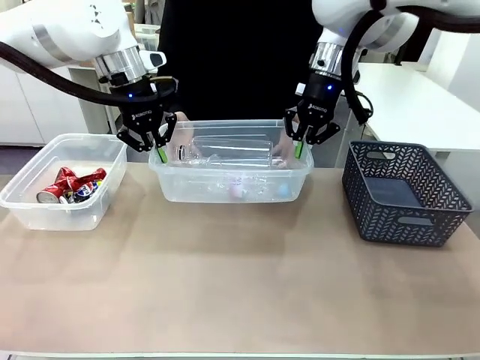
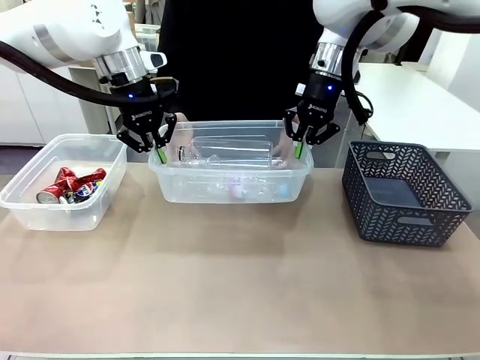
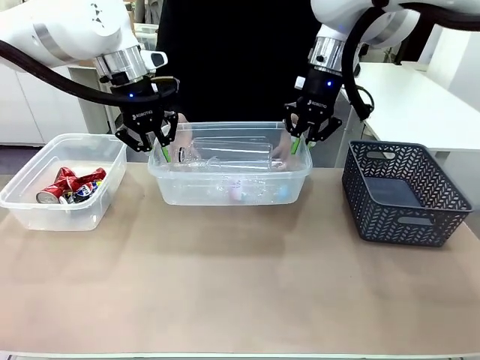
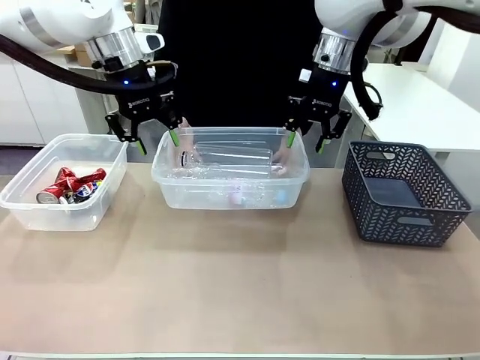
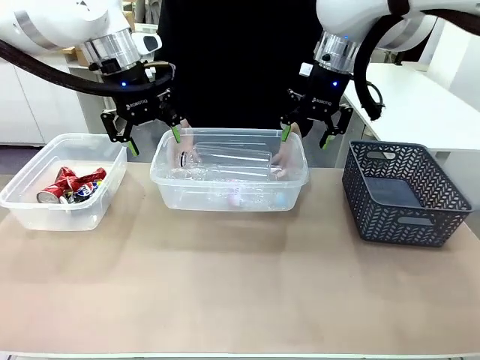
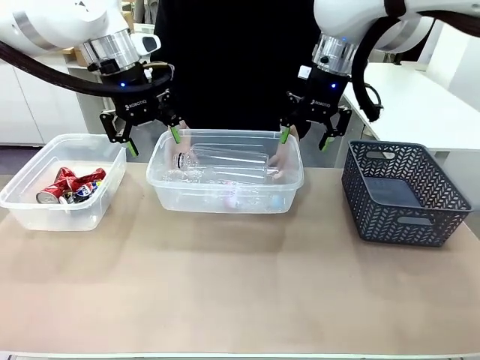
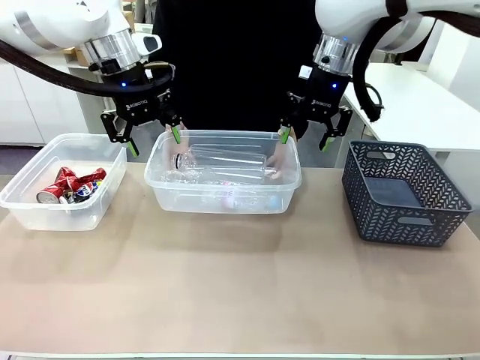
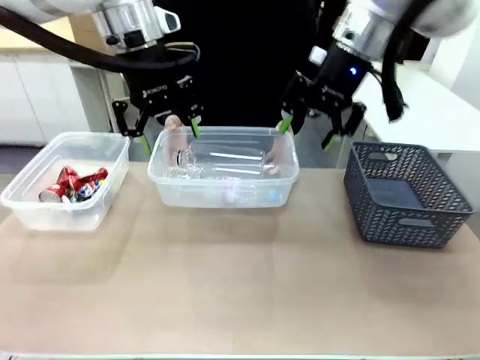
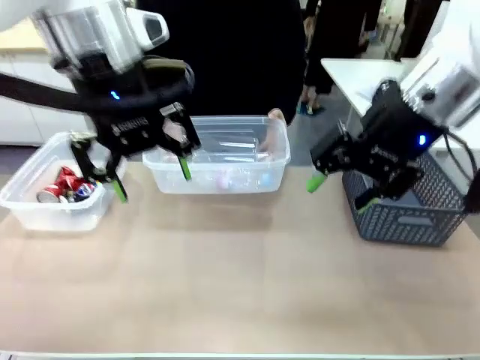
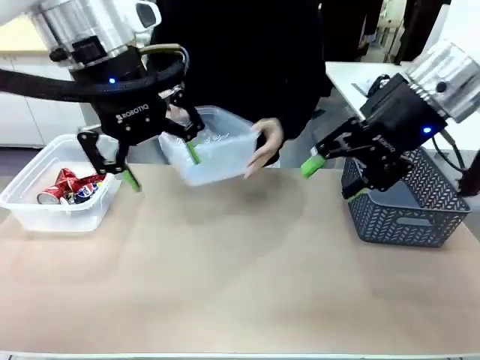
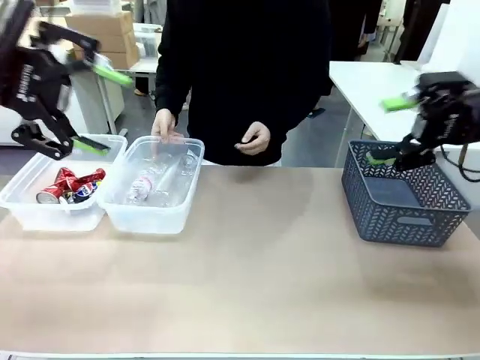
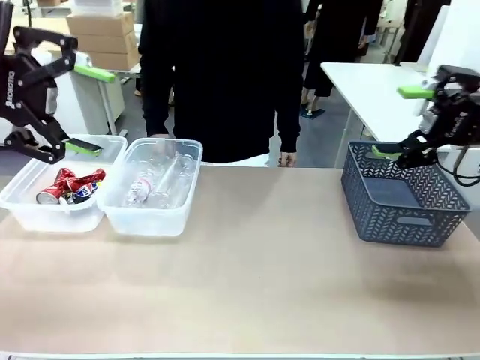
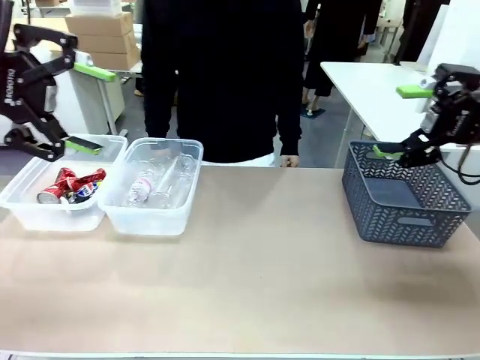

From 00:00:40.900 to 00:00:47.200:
Robot: Release the Organizing box you were holding.
Person: Pick up the organizing box extended by the robot. Place the organizing box to the left of the sorting box containing the can waste.

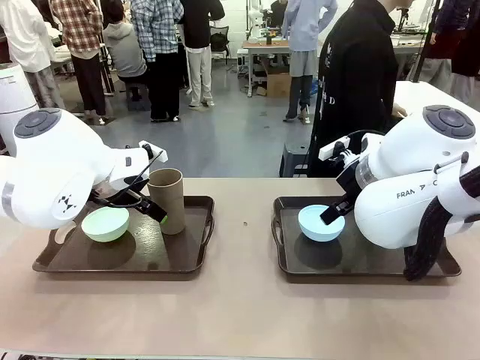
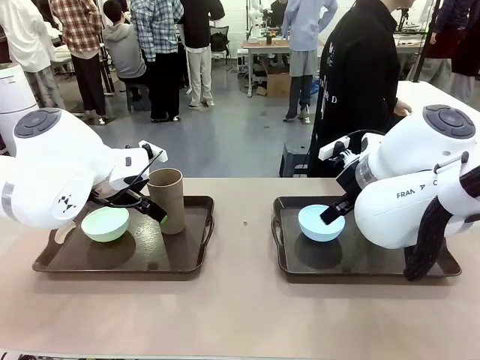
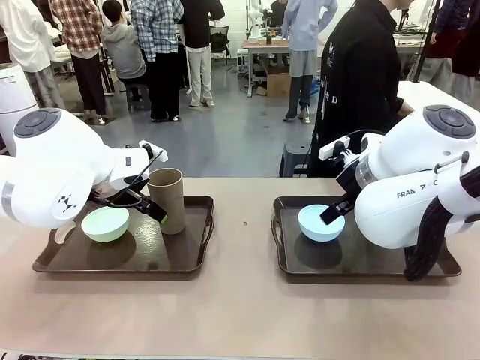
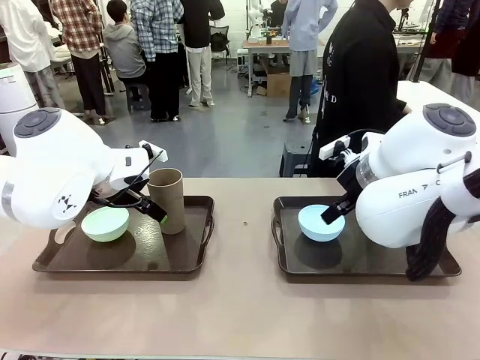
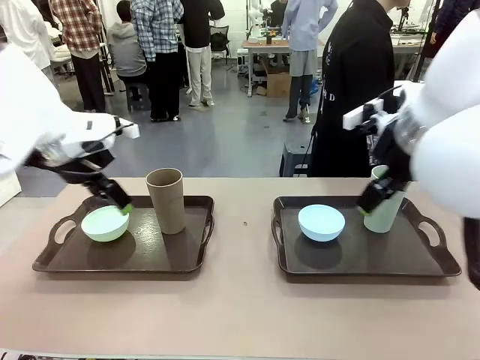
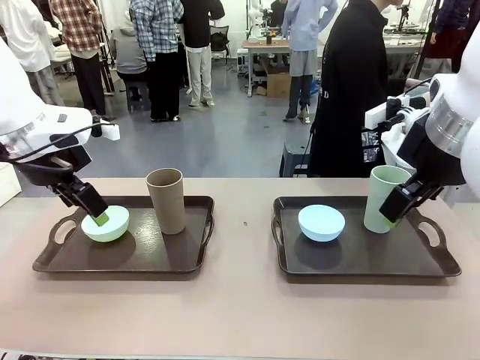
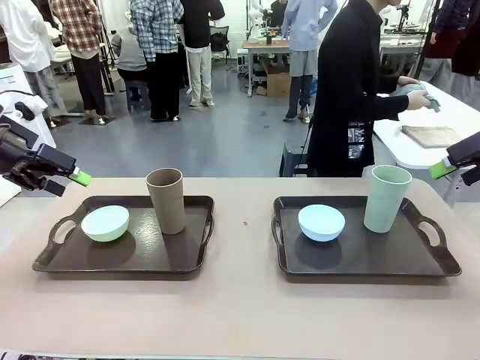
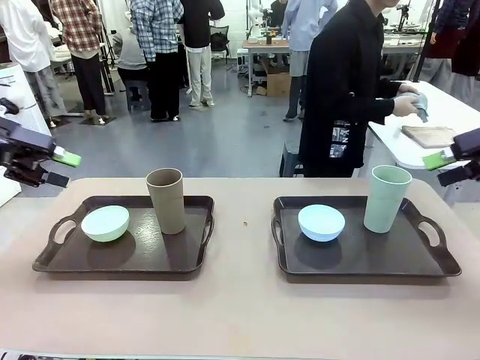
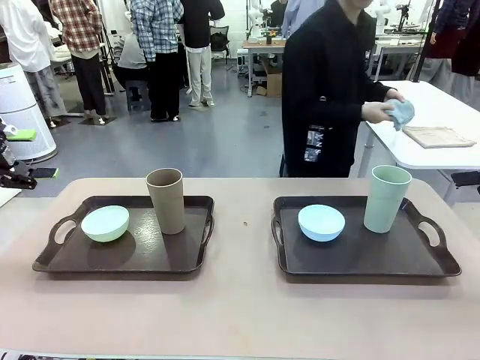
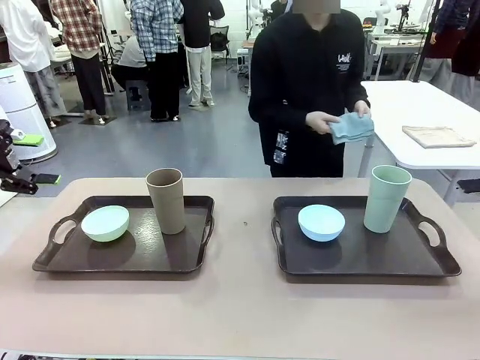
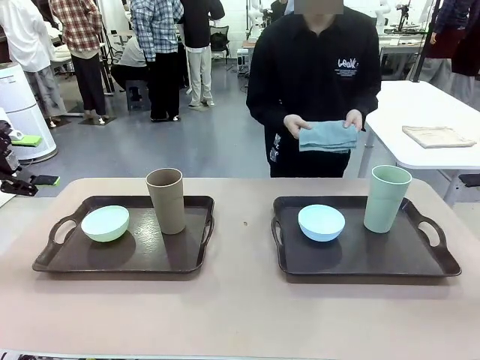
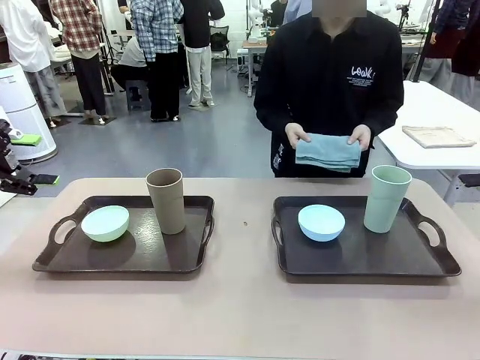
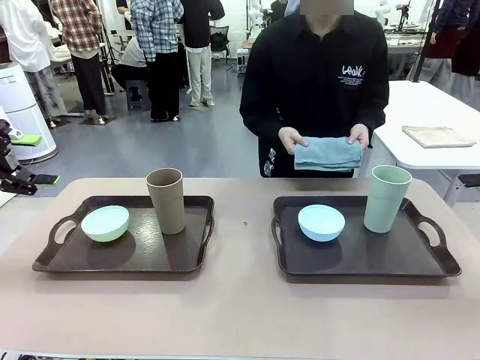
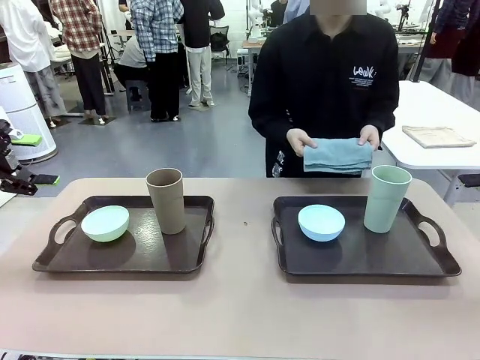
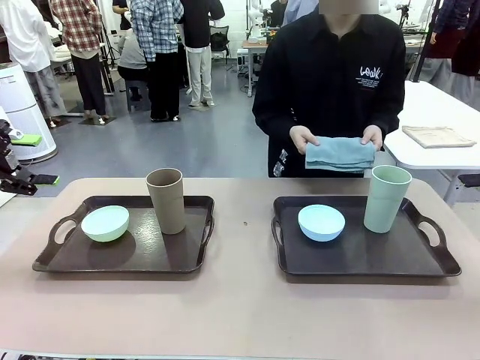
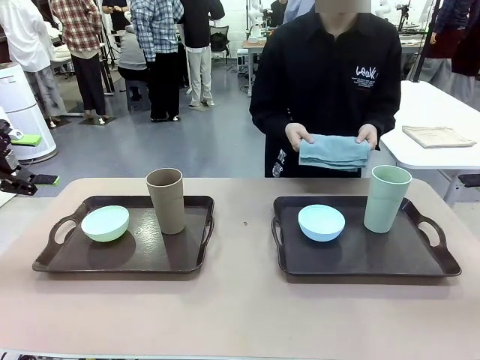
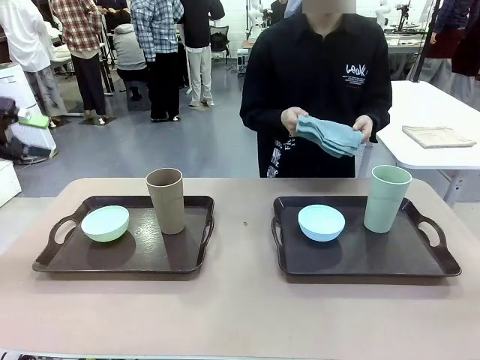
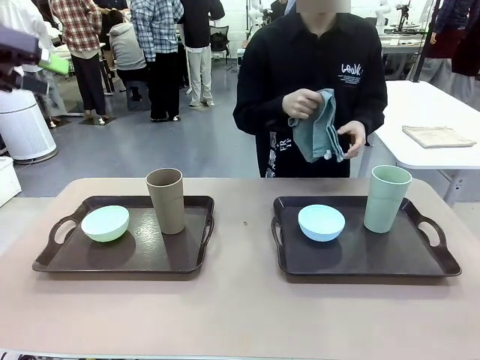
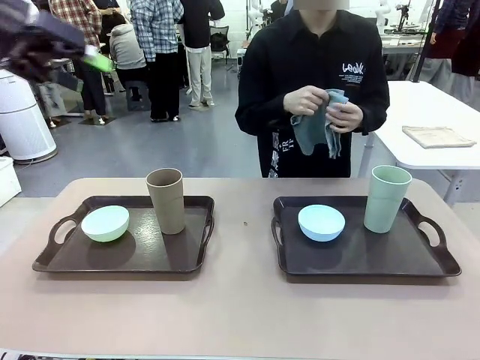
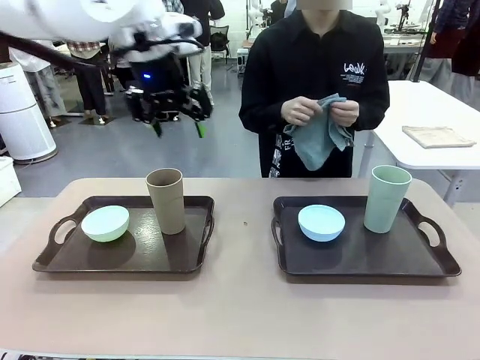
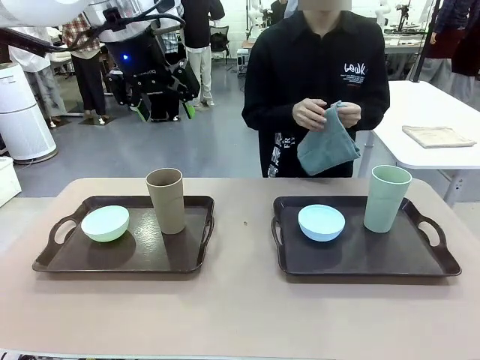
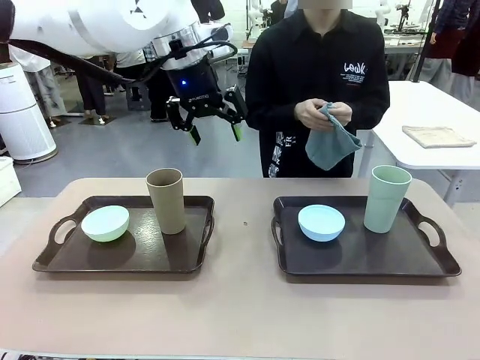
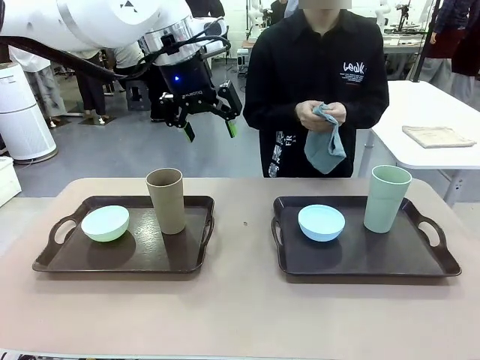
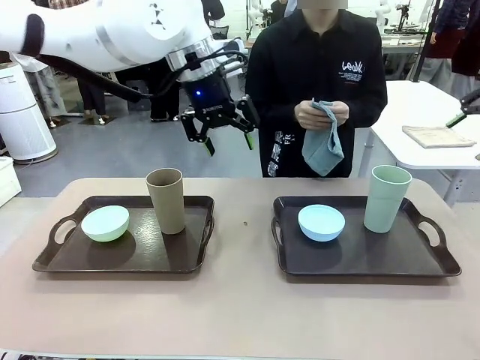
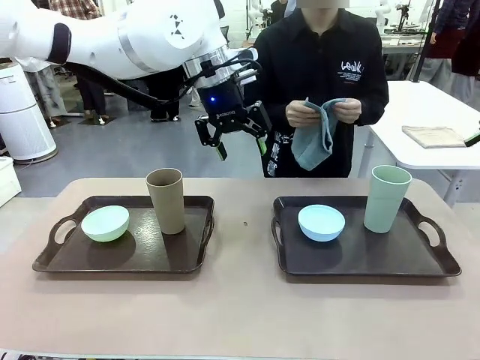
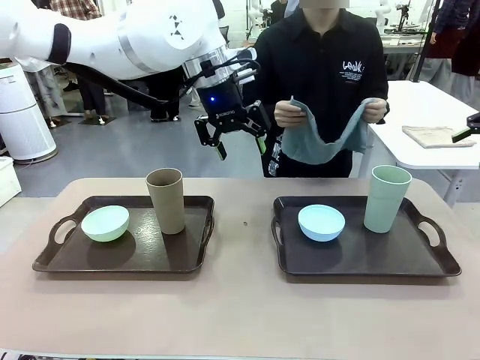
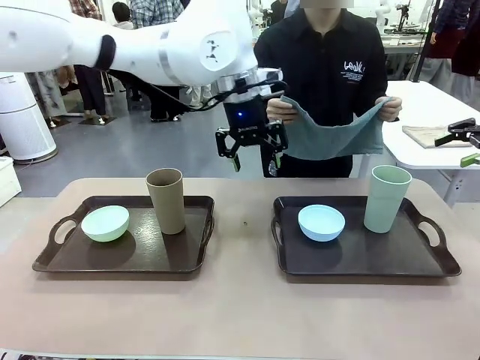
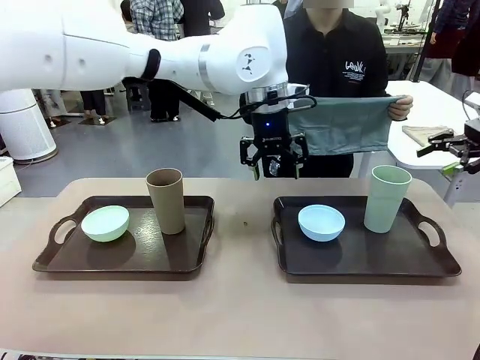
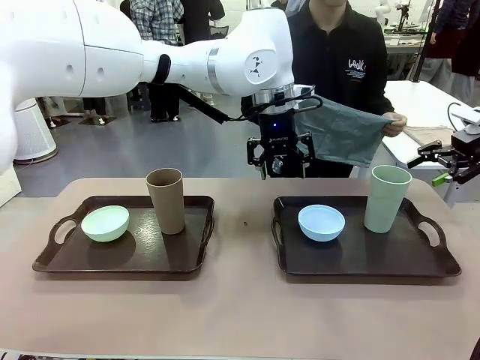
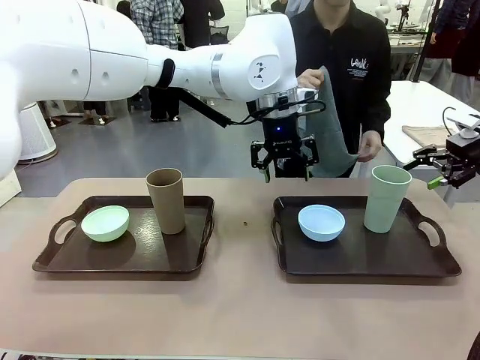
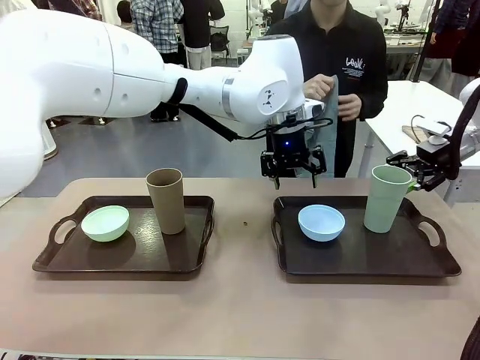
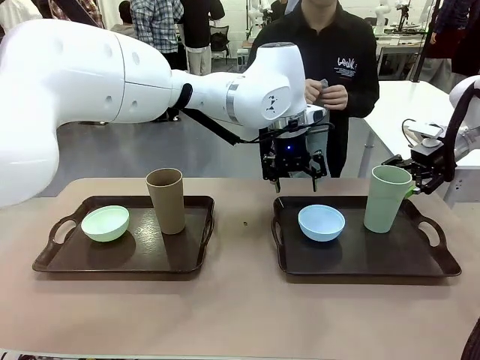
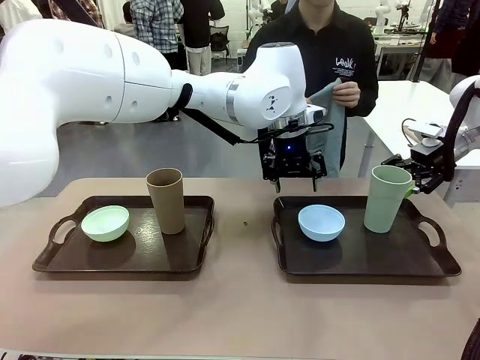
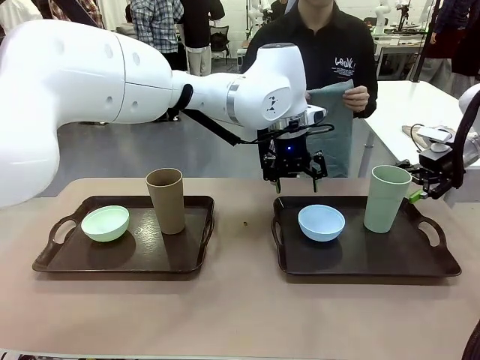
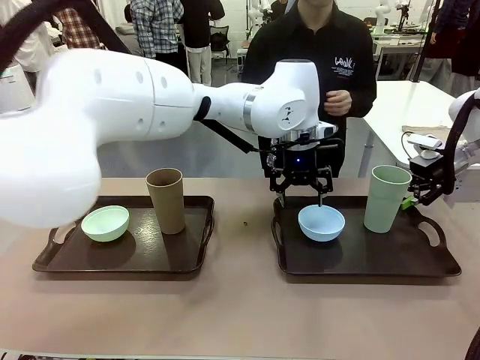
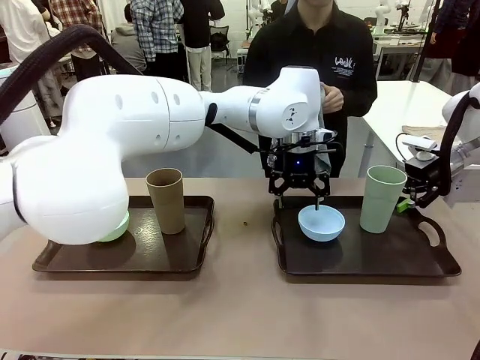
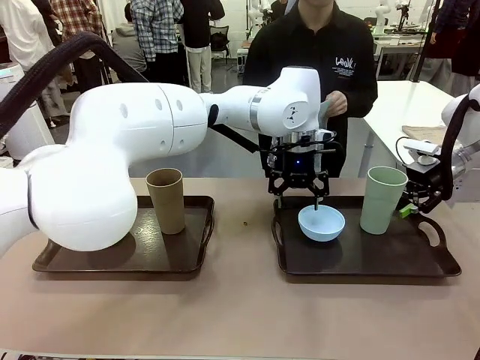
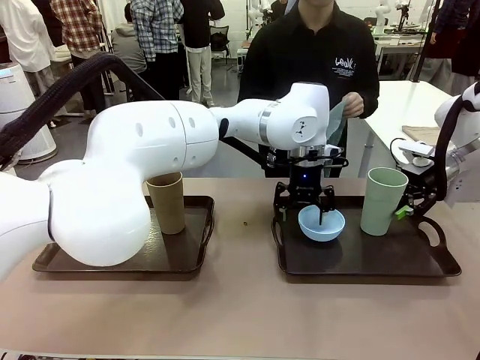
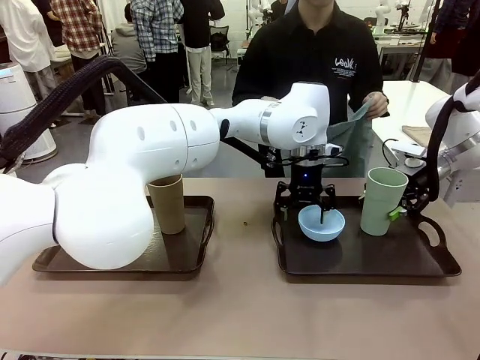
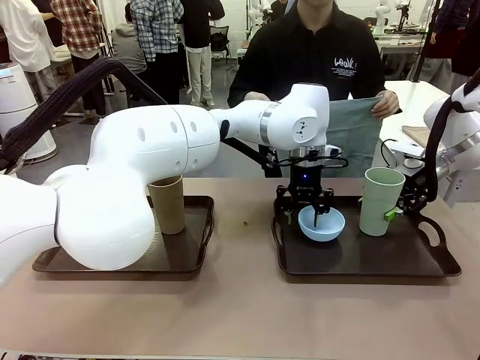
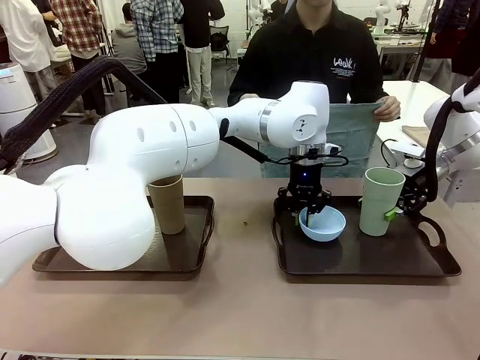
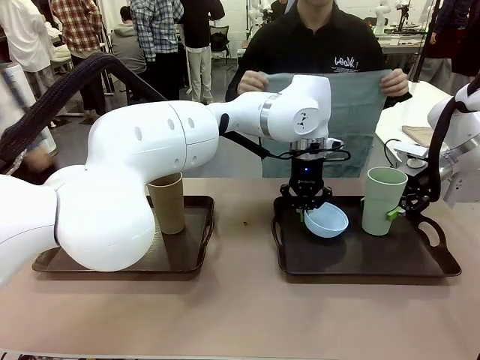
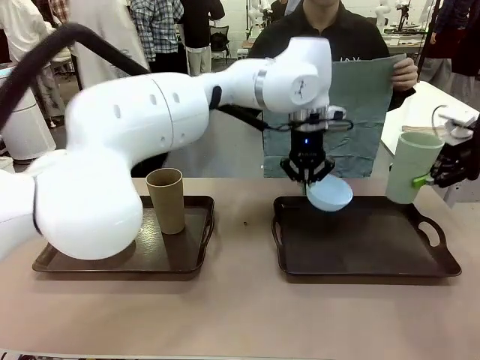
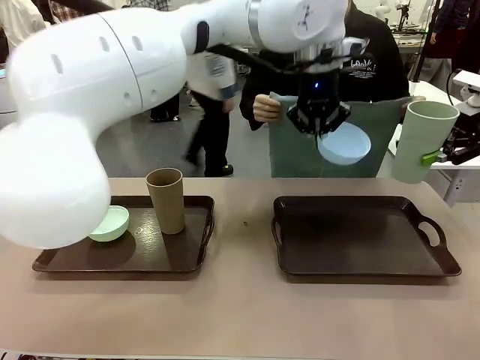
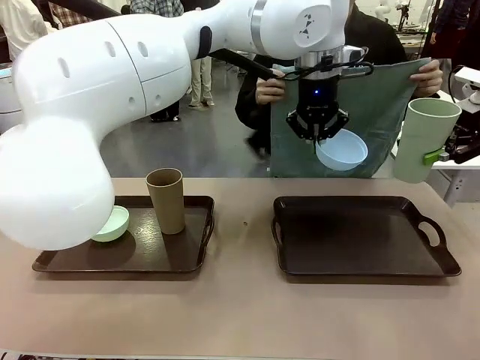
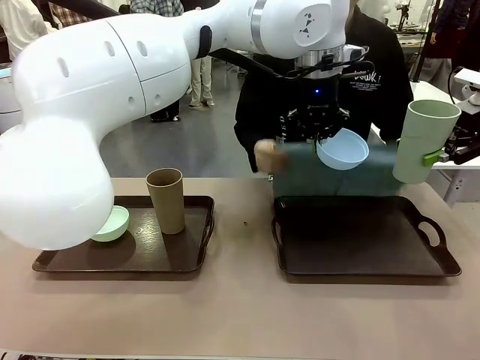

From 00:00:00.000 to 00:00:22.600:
Robot: Pick up the Picnic Bowl and Reusable plastic cup from the Handle tray in front of the human's position and hold them in the air.
Person: The human picks up the top napkin from the stack on the human table and walks to the robot table to stand in front of one of the two trays. When the robot lifts the bowl and the cup, the human unfolds the napkin and lays the napkin flat on the tray.
